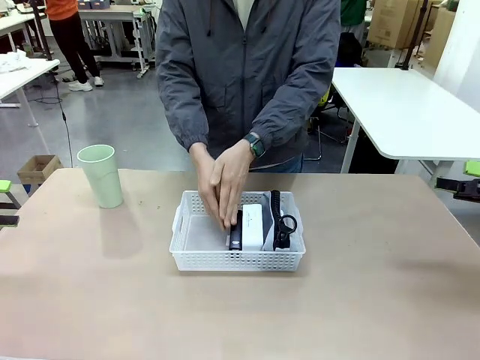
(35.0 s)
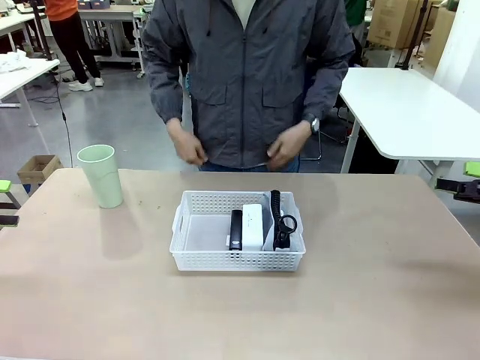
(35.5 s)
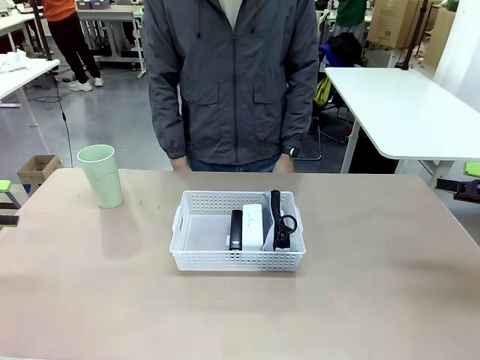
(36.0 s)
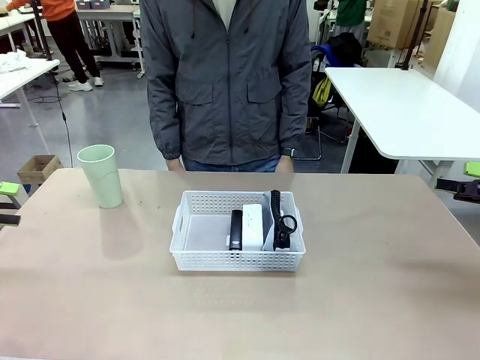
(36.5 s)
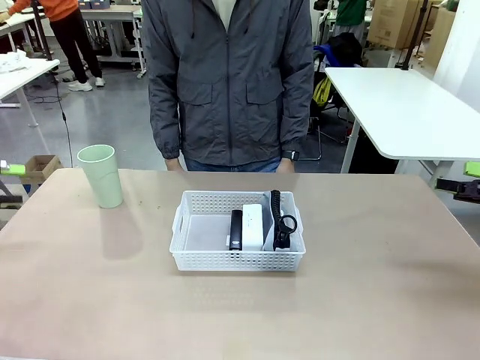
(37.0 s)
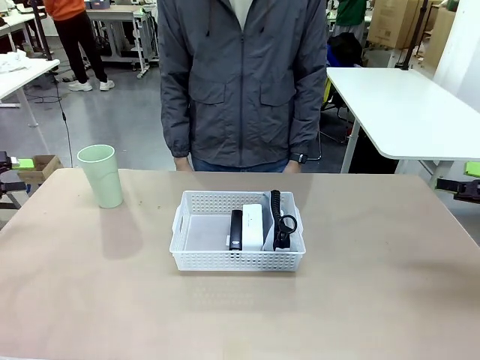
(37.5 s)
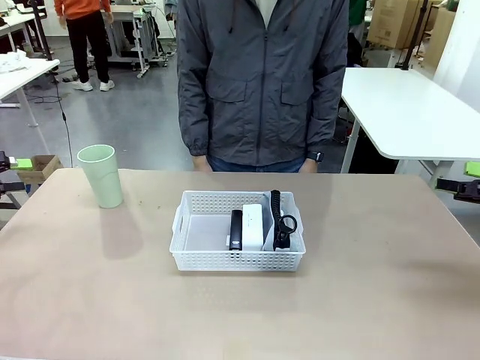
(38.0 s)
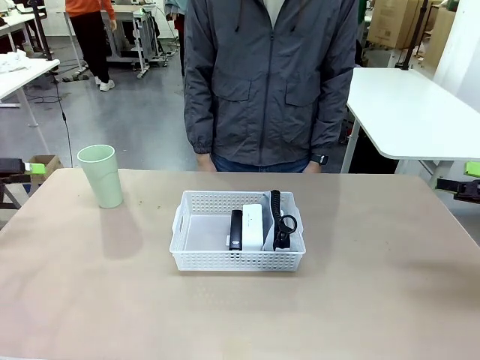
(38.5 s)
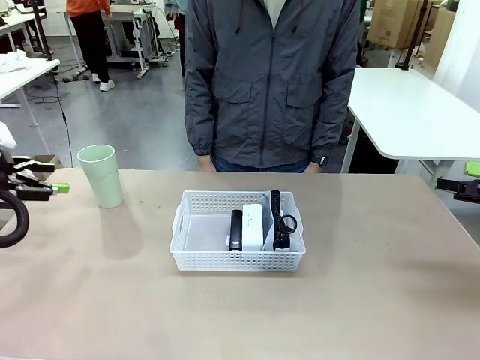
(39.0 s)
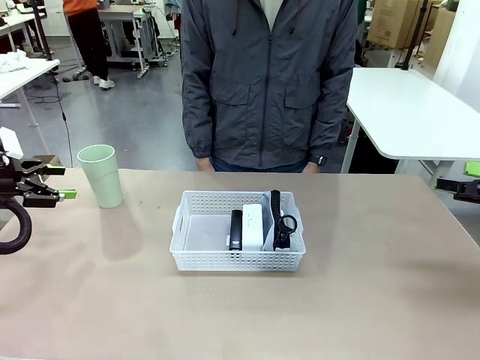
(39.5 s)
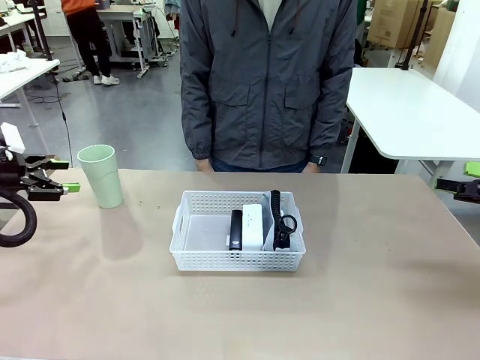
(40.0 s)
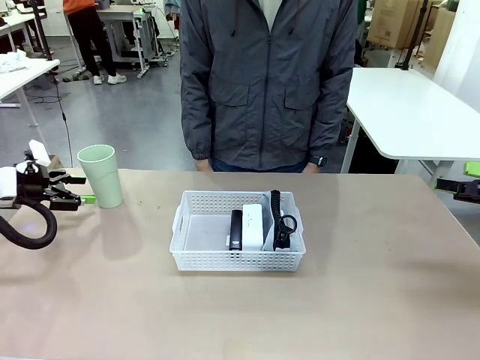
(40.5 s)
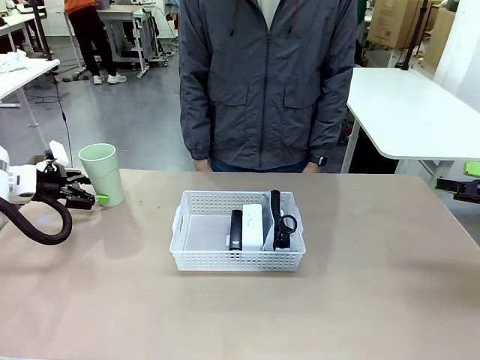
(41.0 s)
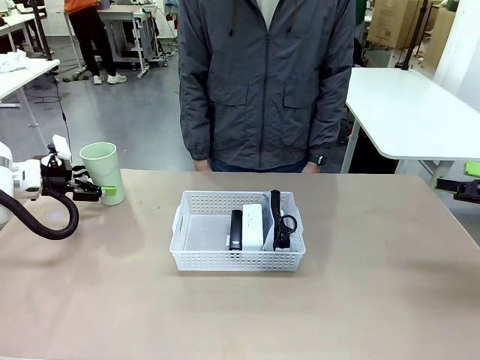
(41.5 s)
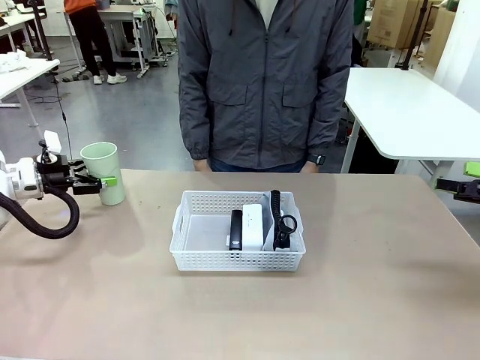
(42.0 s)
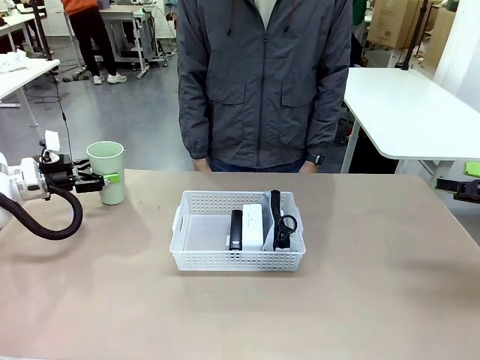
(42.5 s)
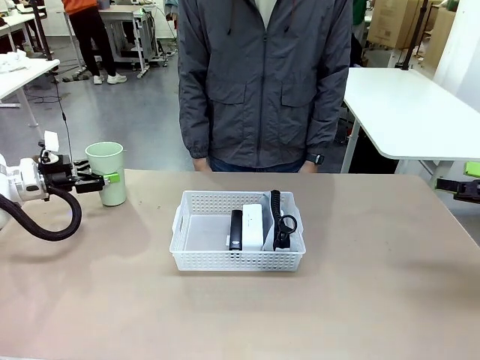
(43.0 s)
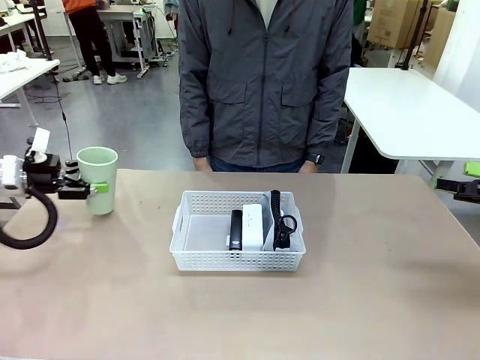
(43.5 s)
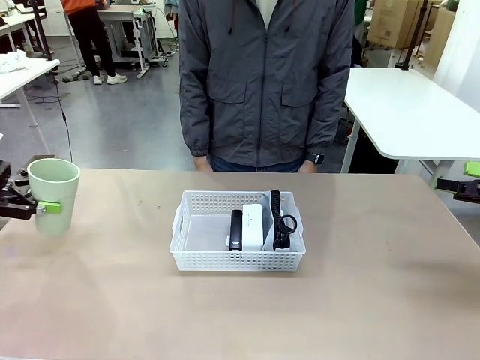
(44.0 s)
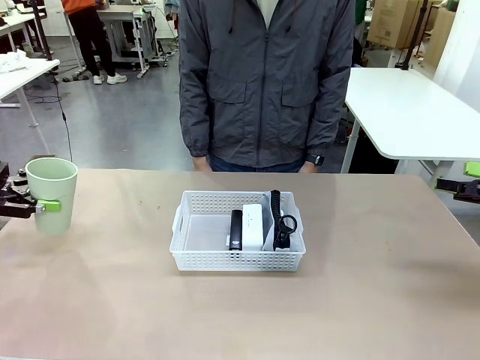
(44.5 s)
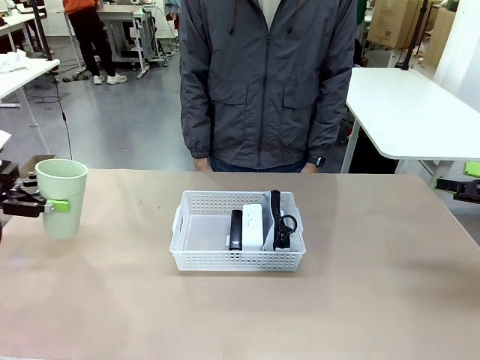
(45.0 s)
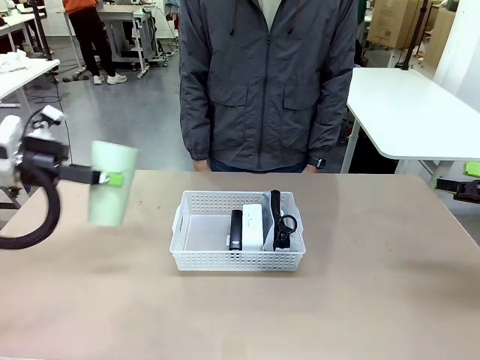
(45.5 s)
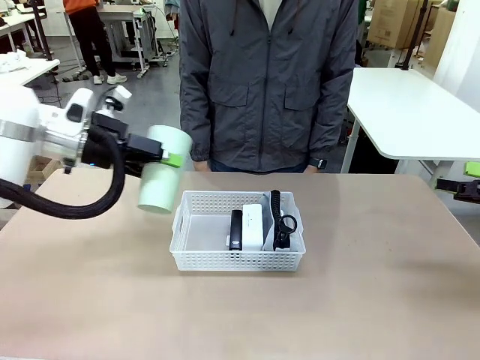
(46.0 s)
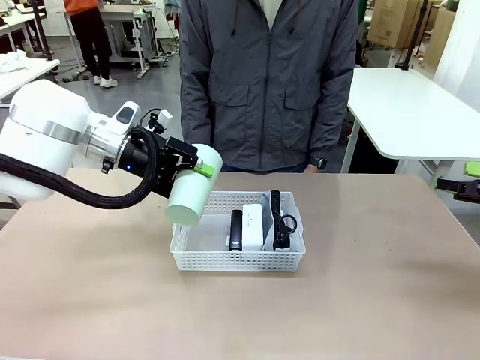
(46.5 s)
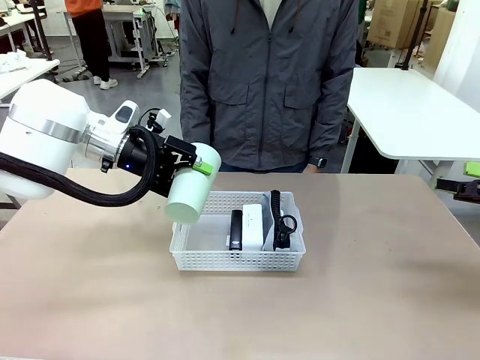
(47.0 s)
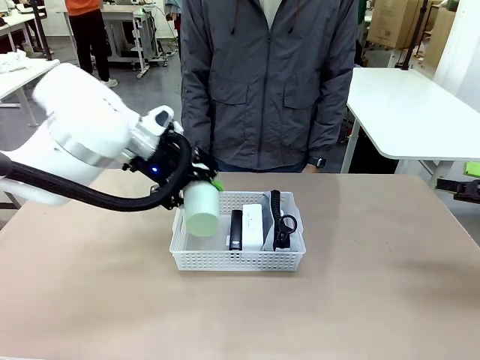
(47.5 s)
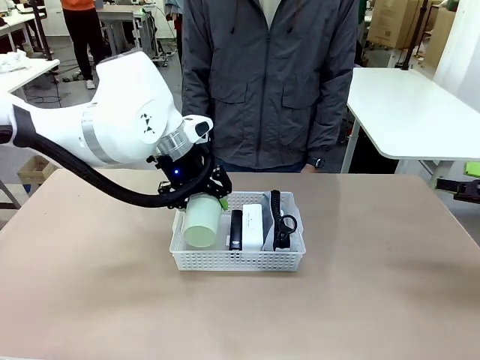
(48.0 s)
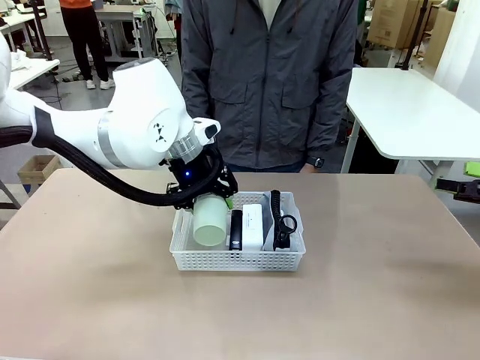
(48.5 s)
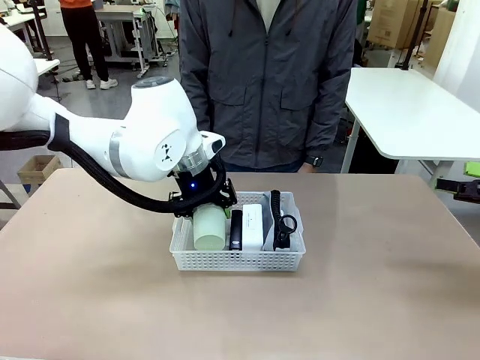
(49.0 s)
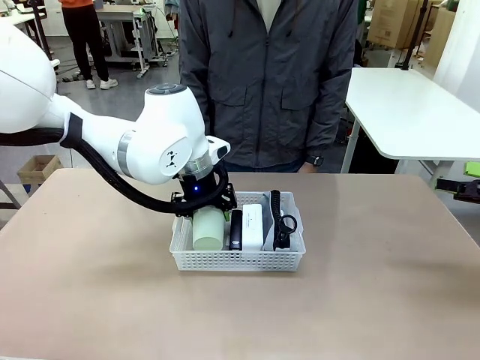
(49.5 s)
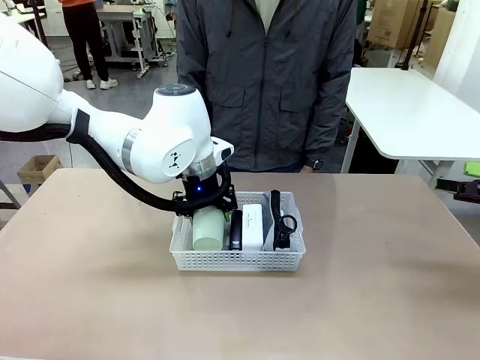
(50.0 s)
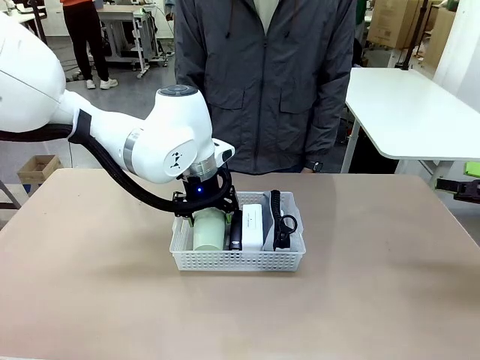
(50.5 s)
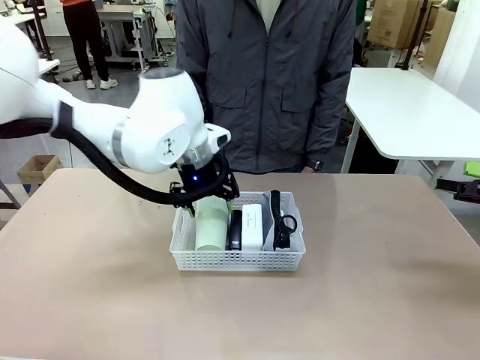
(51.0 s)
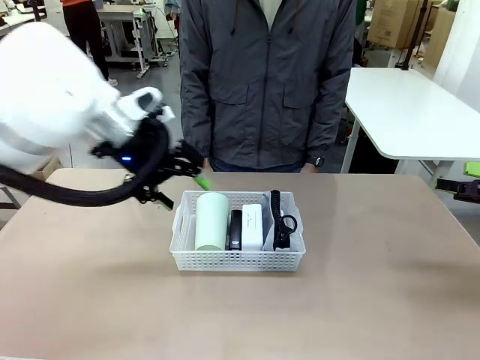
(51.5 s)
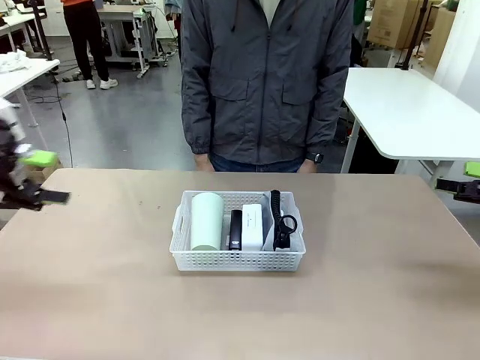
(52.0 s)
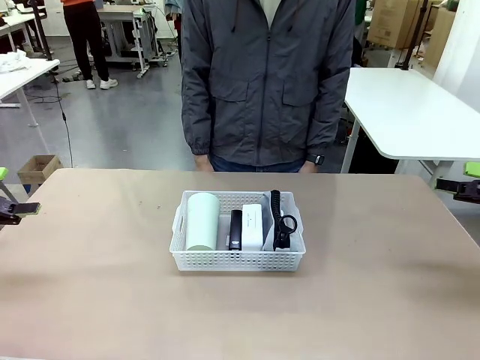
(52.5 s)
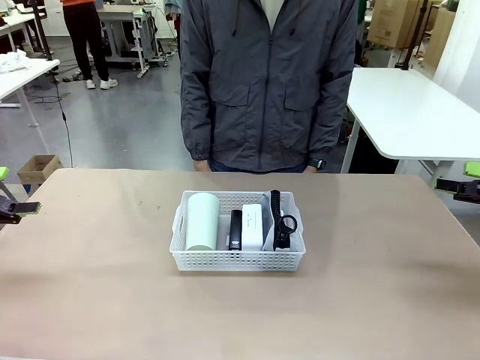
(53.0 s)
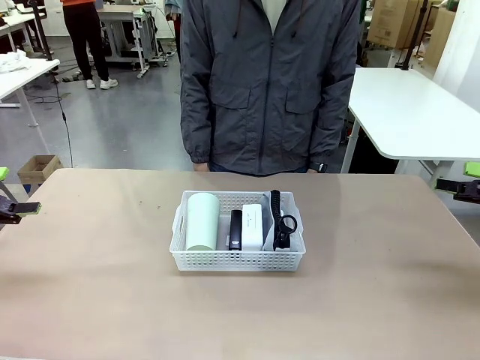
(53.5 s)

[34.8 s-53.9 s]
Task: Efficiently arrange items inside the basket to fit them all.
Robot: Pick up the Reusable plastic cup and place it inside the Organizing basket.
Person: Repositions the stapler.

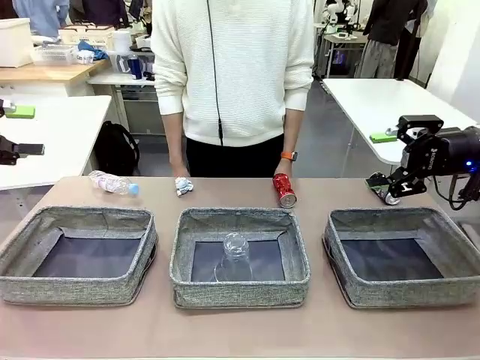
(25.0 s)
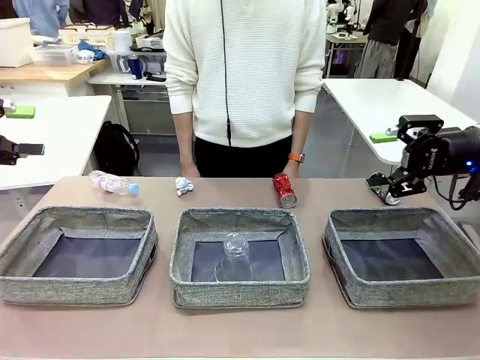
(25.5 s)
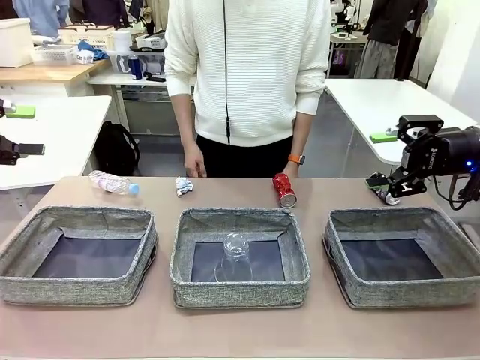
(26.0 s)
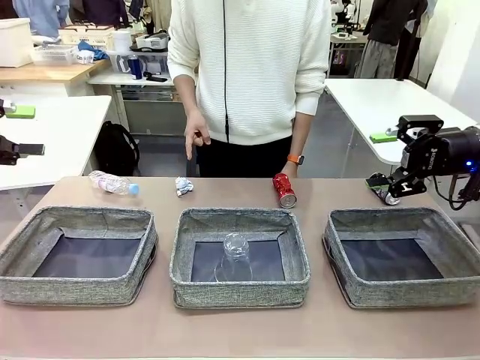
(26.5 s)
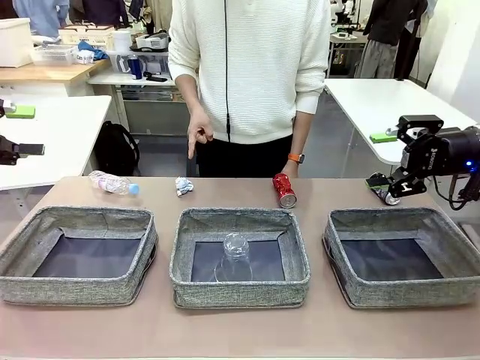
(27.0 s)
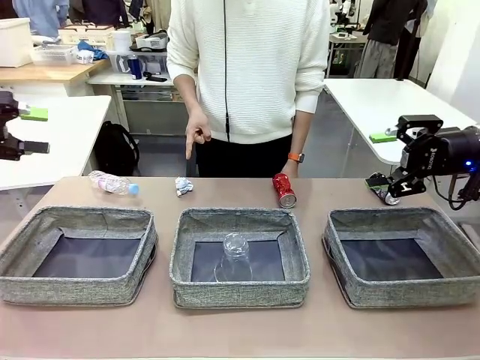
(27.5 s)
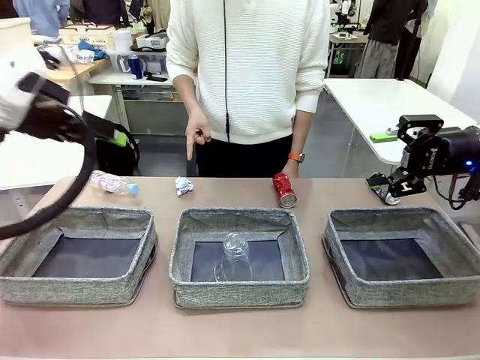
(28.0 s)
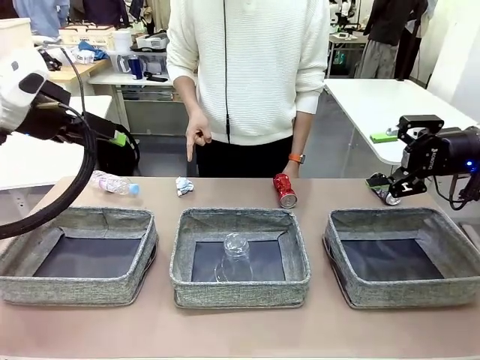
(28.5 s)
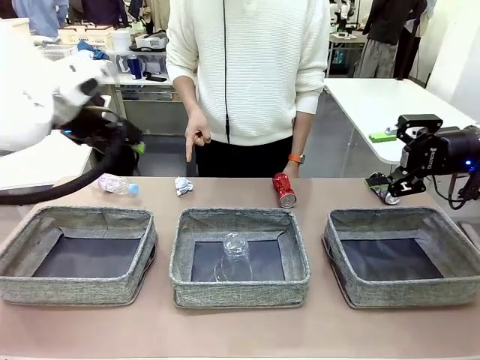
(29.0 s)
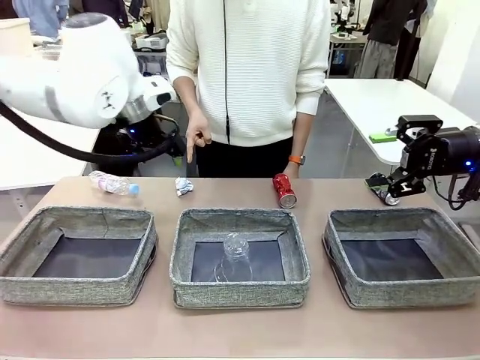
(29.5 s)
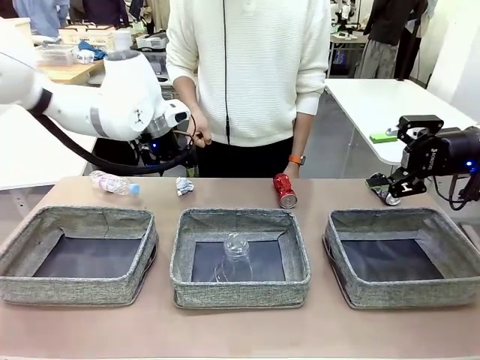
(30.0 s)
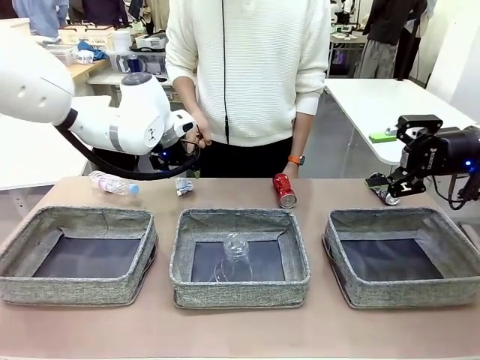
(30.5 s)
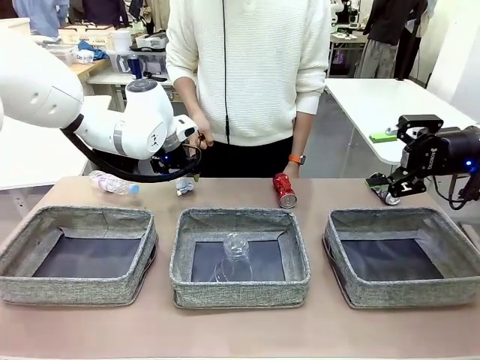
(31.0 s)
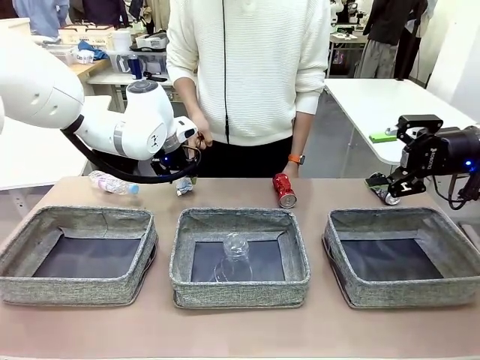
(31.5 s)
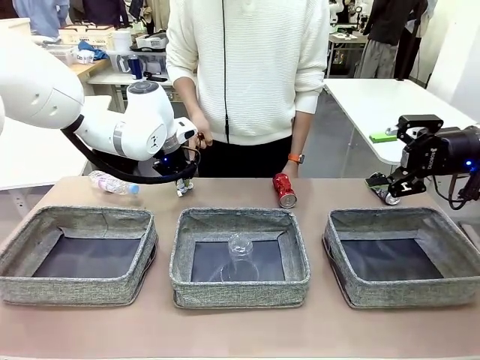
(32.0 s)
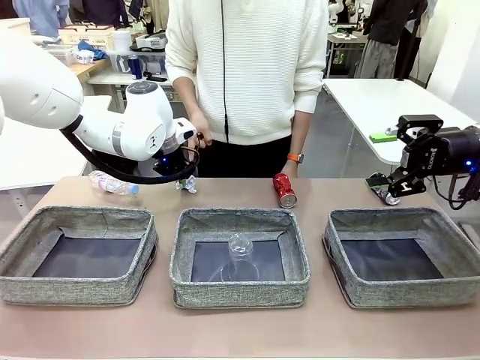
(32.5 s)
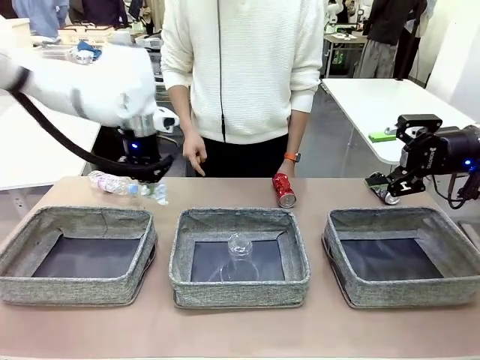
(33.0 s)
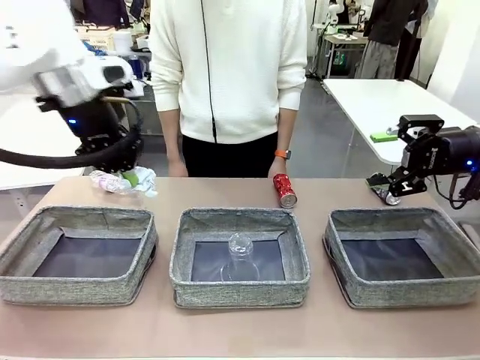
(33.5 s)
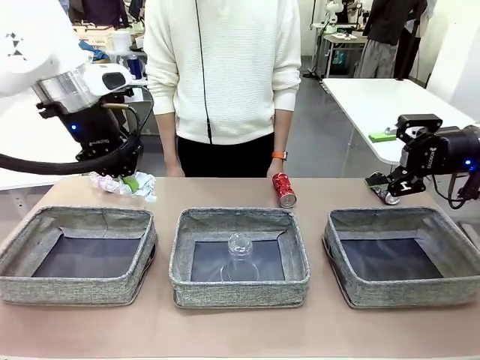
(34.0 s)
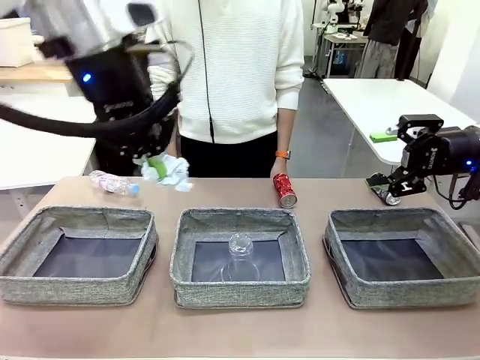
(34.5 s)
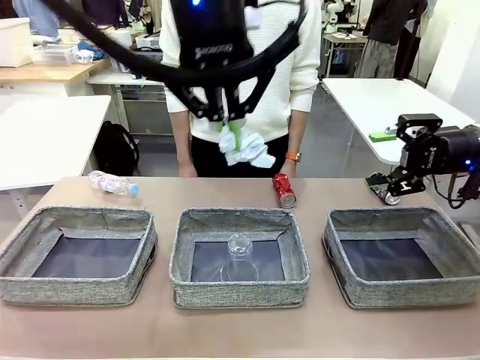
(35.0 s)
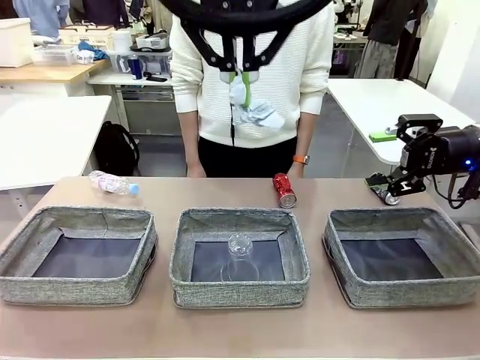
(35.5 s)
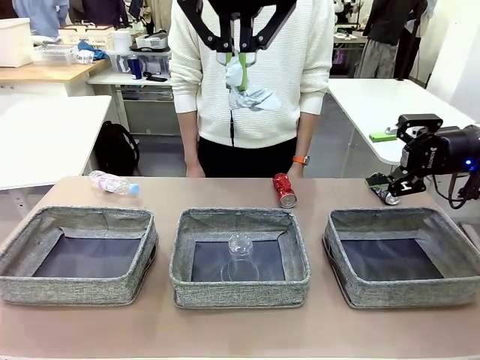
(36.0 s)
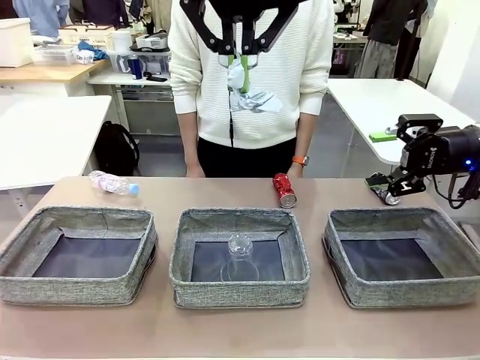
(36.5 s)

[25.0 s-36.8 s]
Task: Sort the waste into the appropriate baskets.
Robot: Pick up the waste item pointed out by the person.
Person: Points to one piece of trash on the table.
